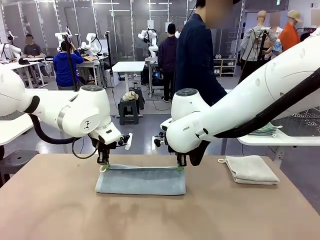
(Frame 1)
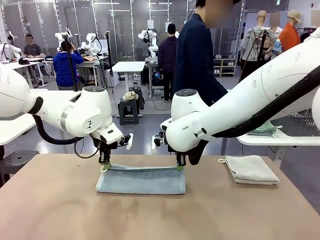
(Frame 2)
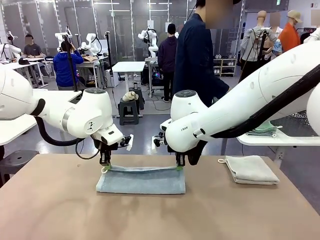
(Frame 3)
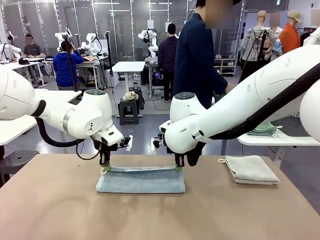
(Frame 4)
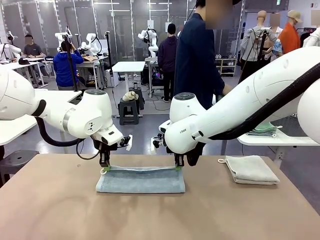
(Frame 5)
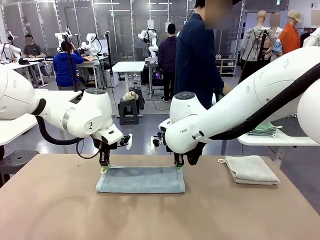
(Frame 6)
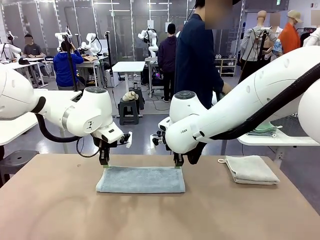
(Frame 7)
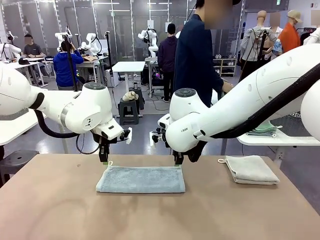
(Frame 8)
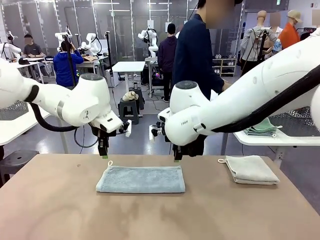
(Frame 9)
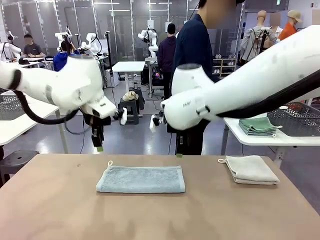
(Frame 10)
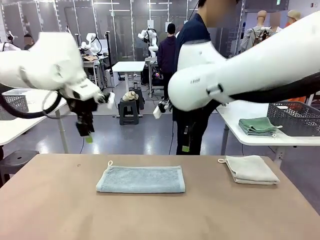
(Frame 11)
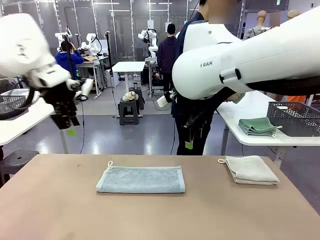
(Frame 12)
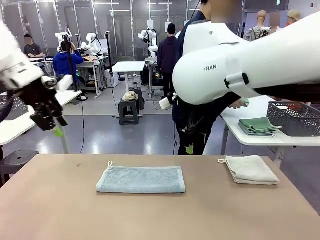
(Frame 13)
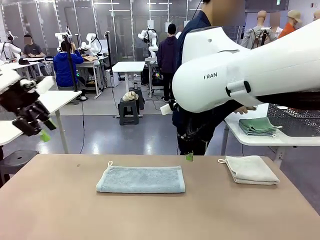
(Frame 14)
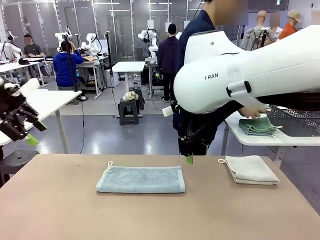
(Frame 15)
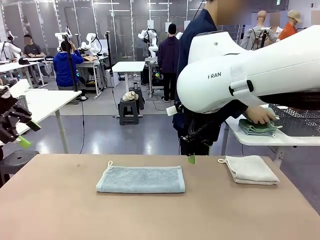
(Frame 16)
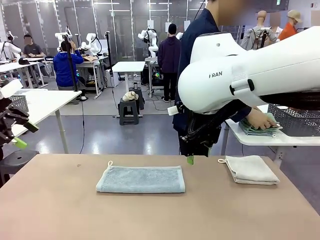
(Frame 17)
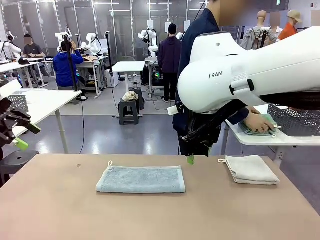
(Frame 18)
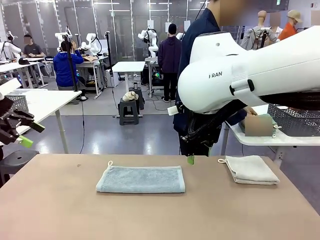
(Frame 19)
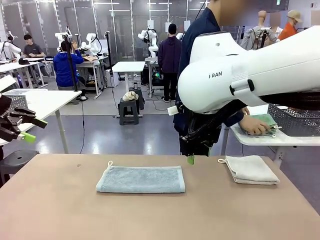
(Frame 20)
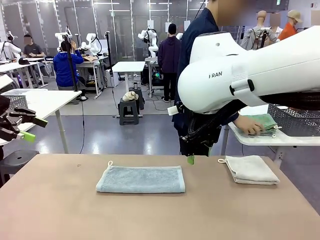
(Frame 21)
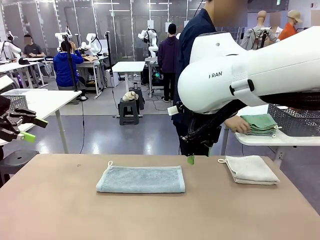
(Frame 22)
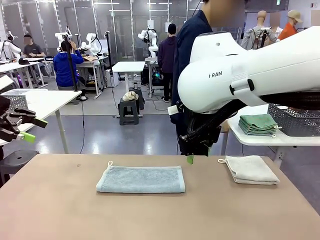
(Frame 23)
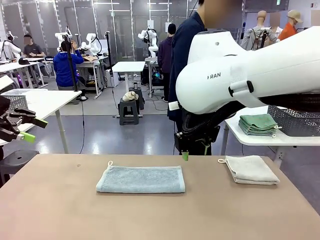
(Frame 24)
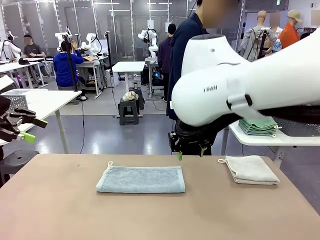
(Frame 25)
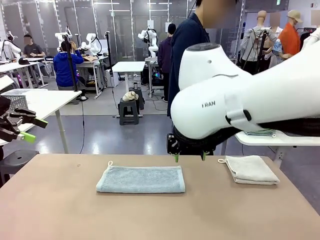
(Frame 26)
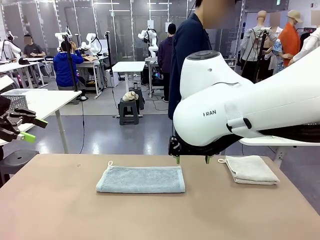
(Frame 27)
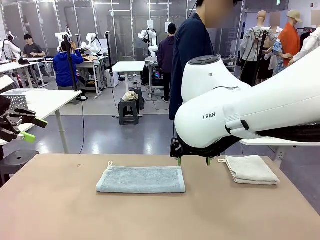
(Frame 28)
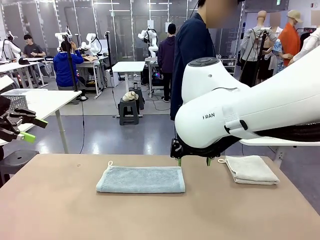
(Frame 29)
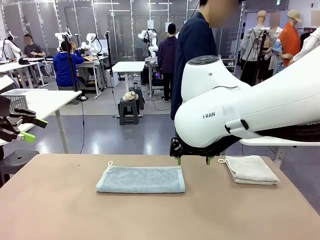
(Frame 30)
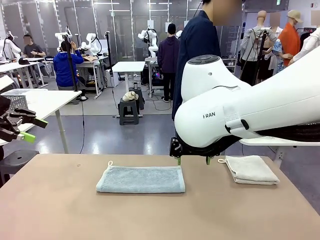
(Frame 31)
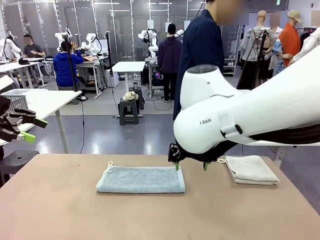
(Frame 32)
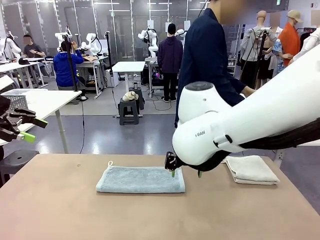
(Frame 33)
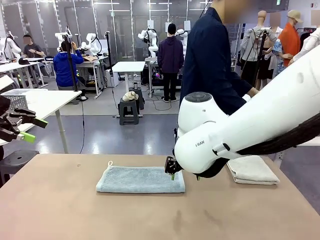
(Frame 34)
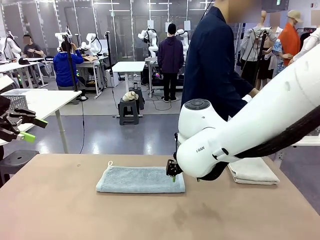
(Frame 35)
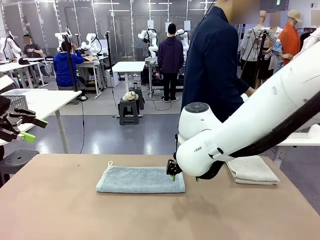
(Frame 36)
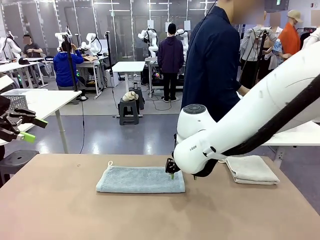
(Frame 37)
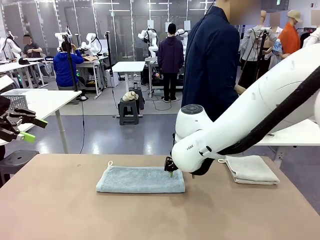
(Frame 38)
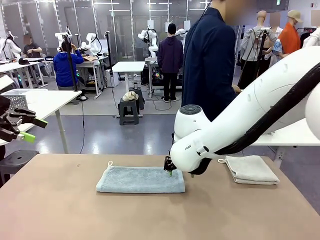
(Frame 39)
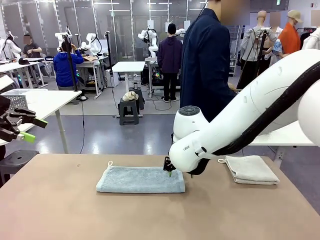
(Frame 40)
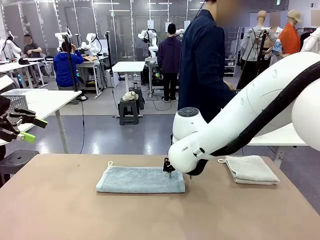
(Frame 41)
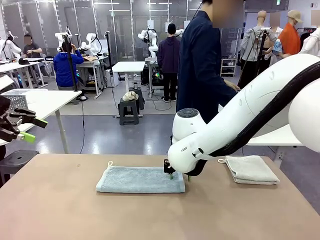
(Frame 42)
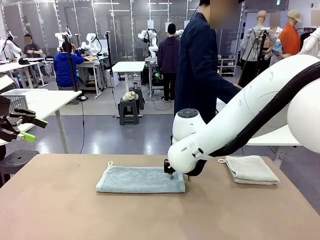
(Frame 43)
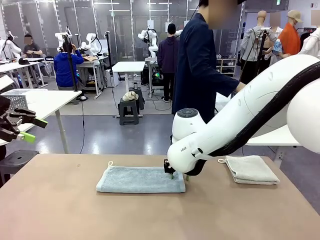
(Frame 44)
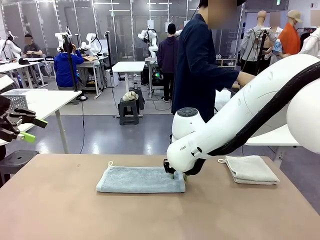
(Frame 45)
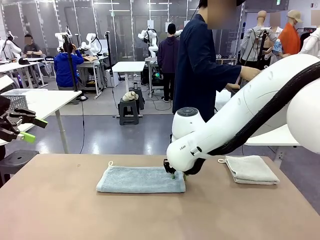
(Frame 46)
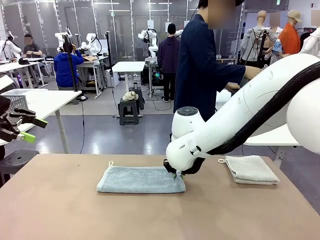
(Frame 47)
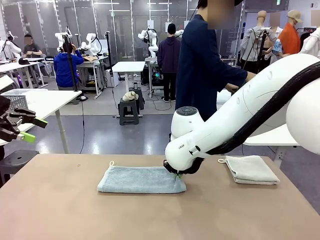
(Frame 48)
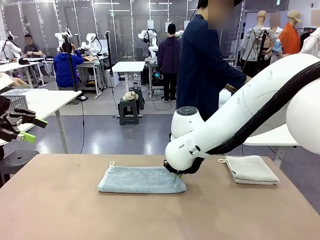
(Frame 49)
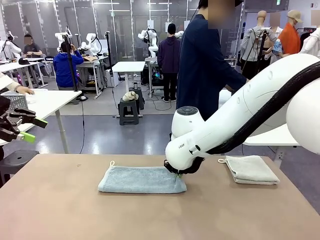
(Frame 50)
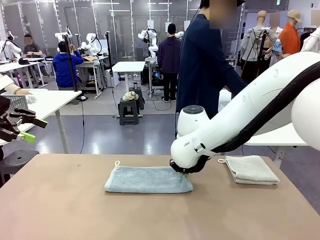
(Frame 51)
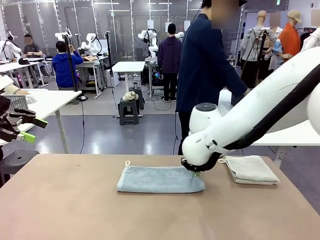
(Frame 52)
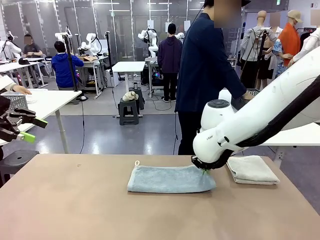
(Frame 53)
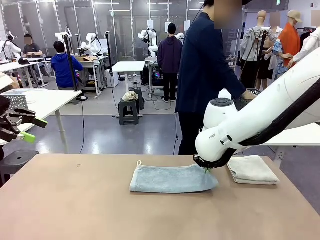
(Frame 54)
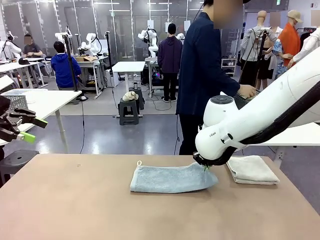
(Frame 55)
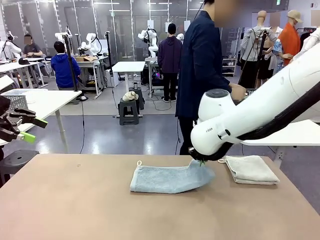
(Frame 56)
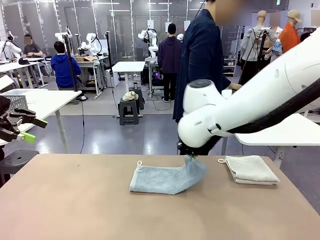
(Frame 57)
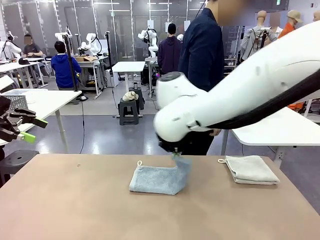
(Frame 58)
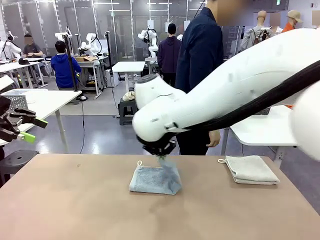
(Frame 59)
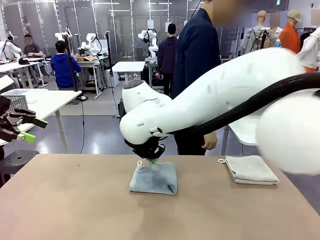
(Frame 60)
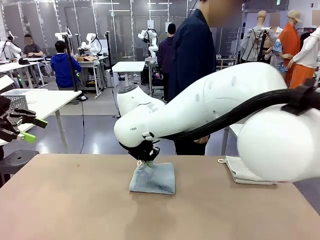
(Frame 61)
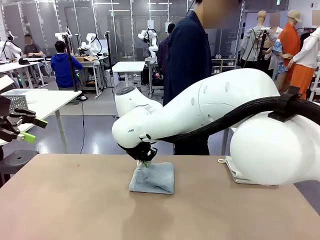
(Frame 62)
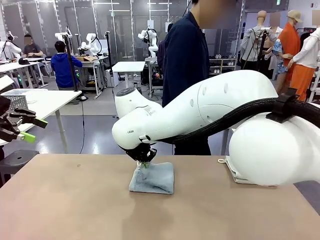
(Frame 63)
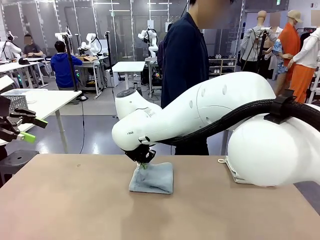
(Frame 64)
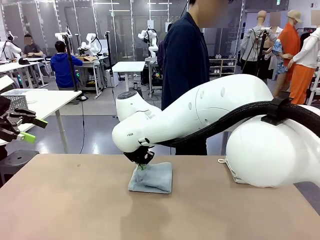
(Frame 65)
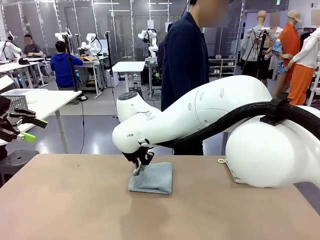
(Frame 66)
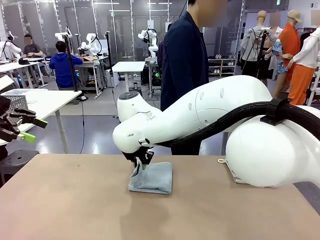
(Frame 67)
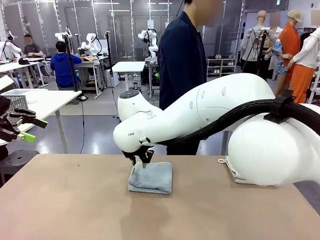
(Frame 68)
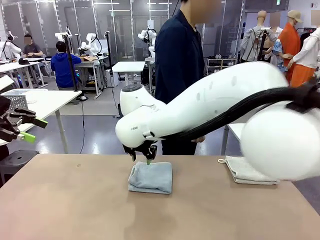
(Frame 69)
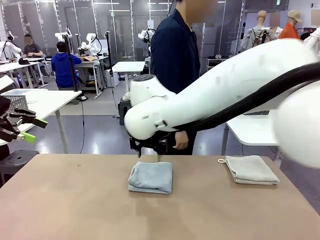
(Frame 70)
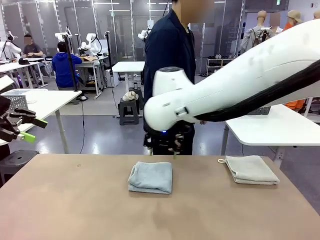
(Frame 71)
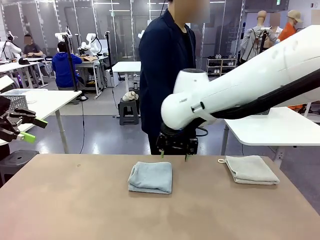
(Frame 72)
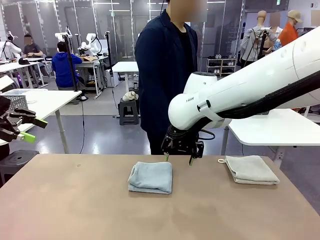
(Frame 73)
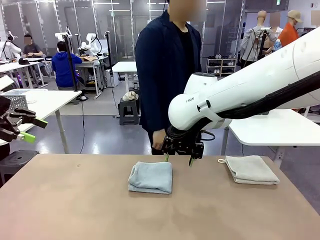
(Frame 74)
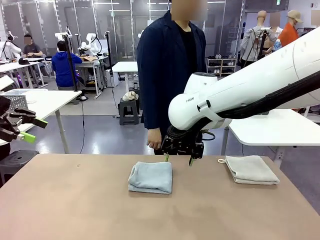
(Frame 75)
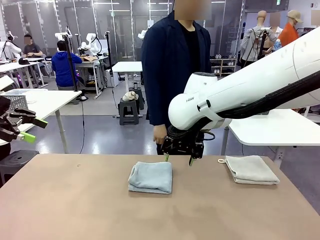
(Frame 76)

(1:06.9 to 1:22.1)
Task: Fold the towels and place them in the basket.
Robot: When a person lays out a Towel with hook on the table, fold it in half twice.
Person: Pick up the stack of towels from the right side of the human table, place it into the basket, and put the basket at the center of the table.

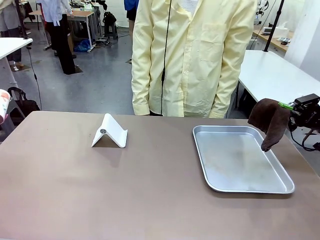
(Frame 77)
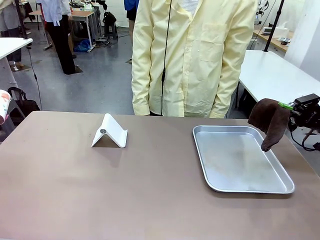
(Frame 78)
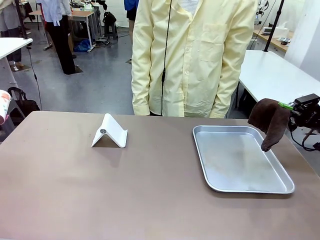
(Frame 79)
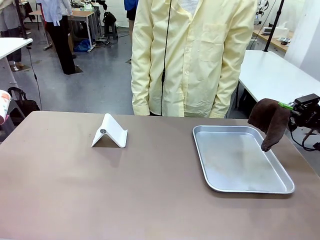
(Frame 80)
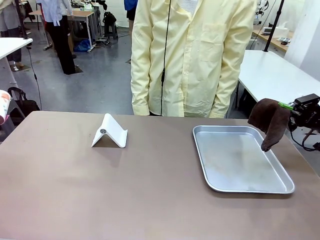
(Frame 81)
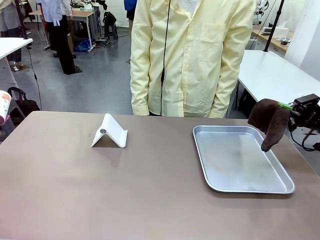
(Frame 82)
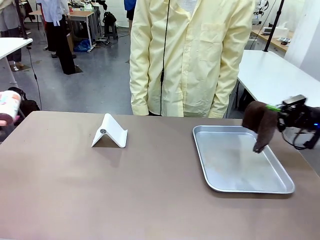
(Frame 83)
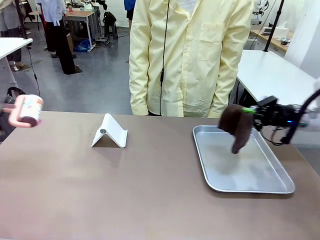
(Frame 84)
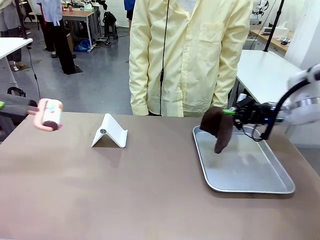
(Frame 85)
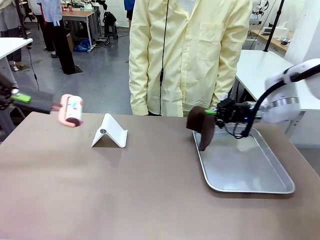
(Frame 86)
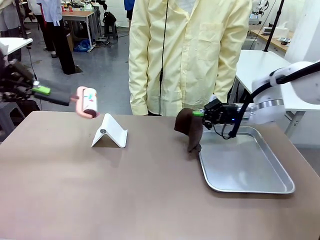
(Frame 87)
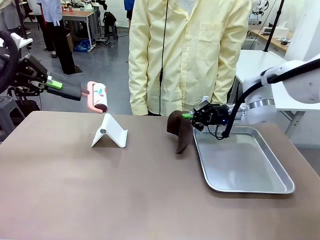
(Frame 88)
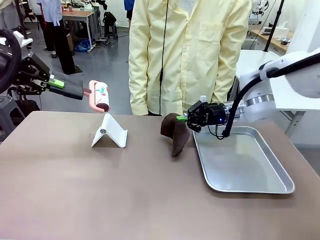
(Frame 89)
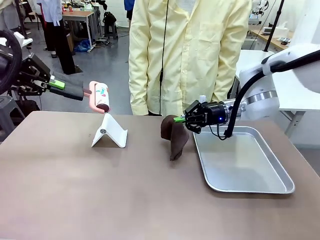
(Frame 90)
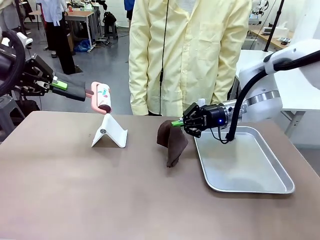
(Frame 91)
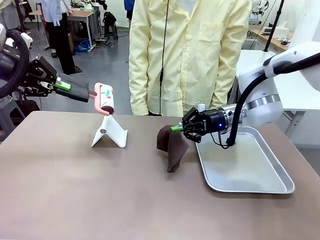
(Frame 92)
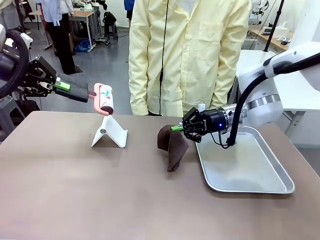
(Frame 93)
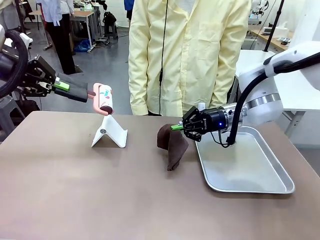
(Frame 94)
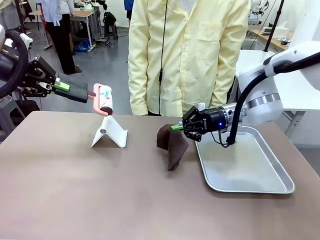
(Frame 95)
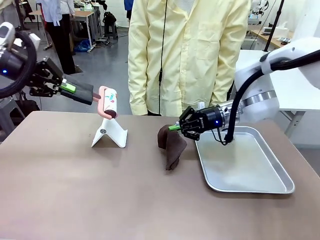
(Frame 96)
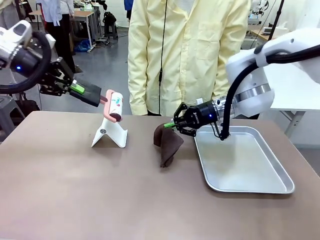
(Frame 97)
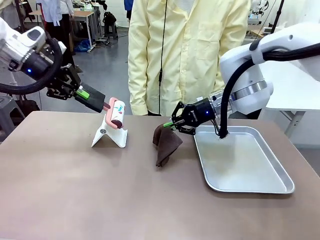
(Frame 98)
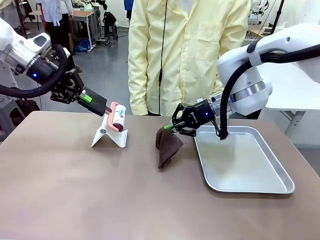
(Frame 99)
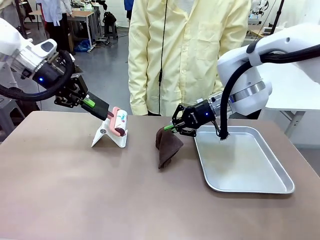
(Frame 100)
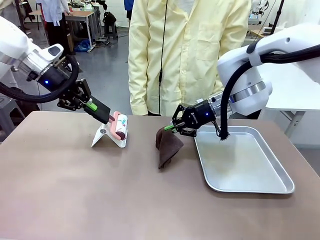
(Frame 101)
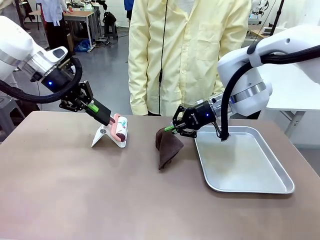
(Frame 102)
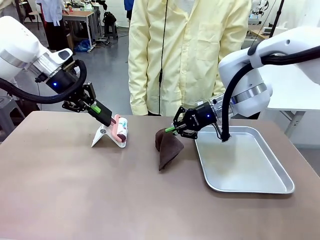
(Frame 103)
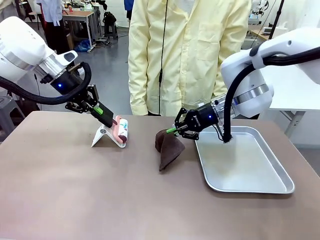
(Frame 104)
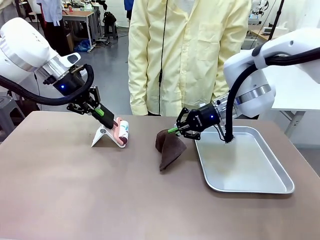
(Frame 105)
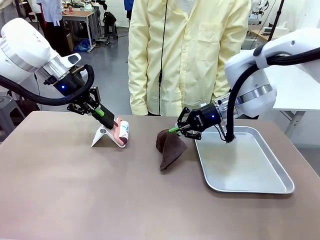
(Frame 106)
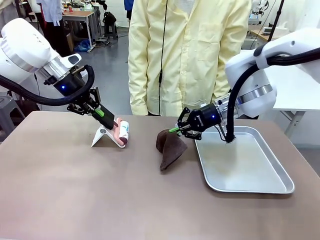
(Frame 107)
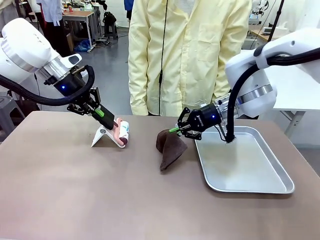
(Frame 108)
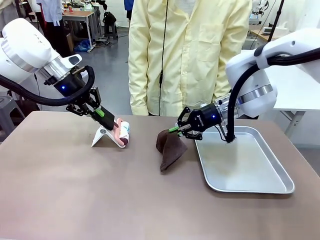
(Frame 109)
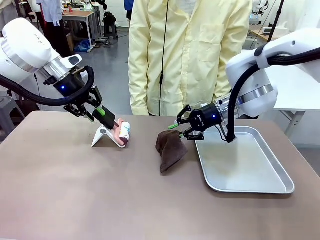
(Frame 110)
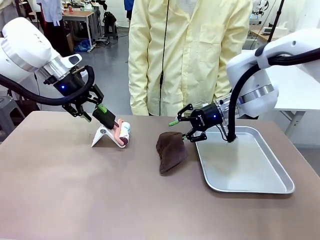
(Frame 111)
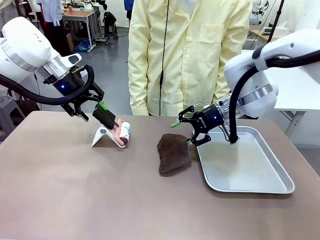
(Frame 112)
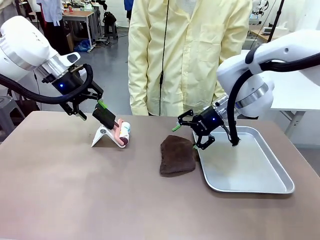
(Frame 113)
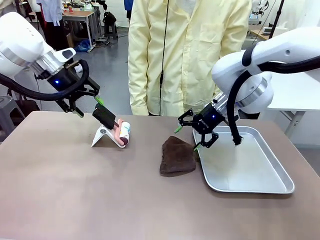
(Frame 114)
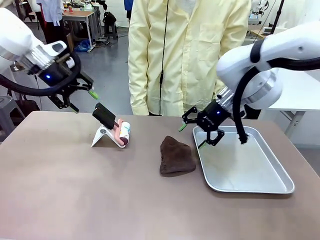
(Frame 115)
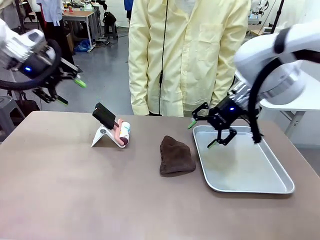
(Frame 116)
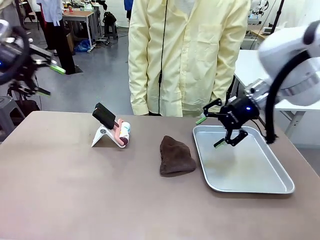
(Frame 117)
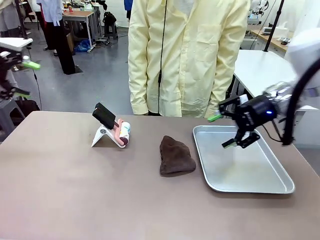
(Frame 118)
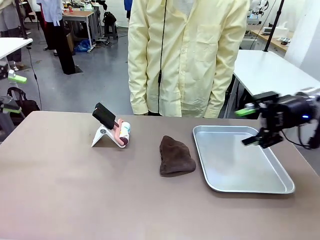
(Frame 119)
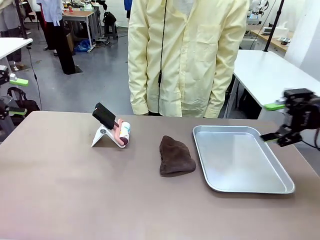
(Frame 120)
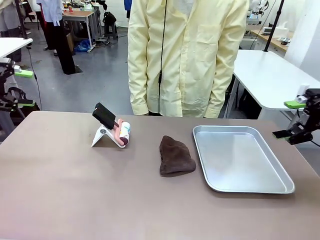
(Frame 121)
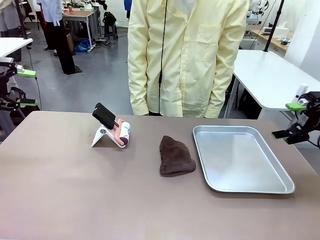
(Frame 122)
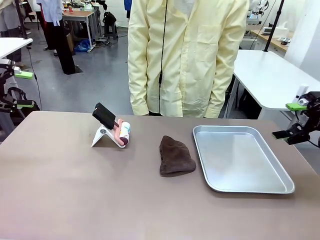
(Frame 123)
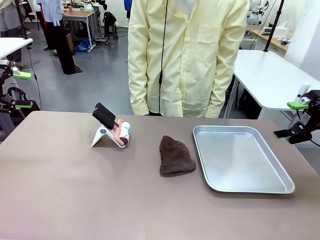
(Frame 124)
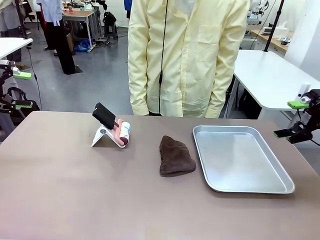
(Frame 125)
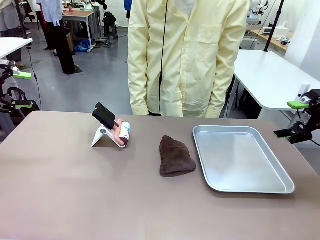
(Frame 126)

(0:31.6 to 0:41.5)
Task: Clean the surface of the table.
Robot: Return the Lint Roller and towel to their original positions.
